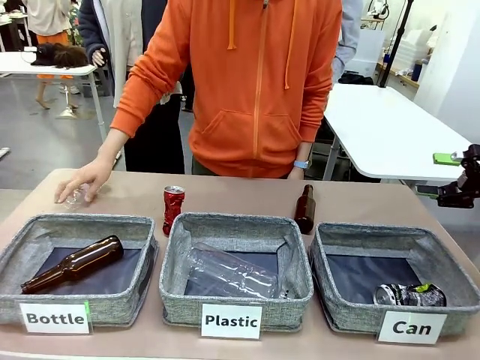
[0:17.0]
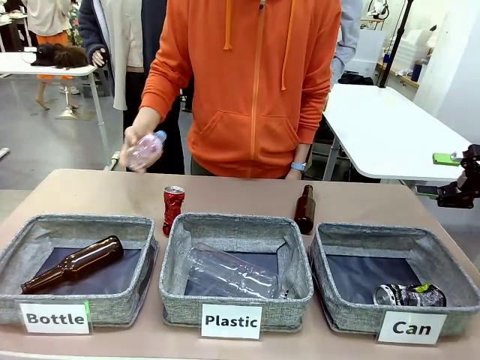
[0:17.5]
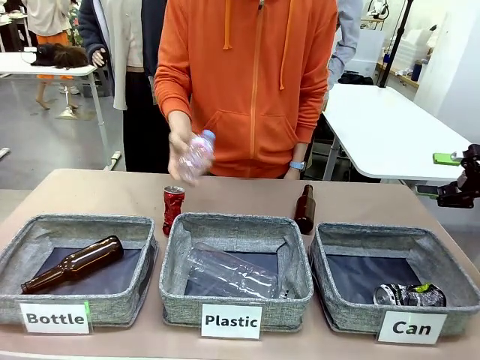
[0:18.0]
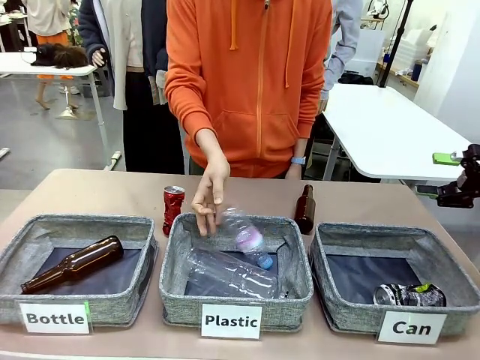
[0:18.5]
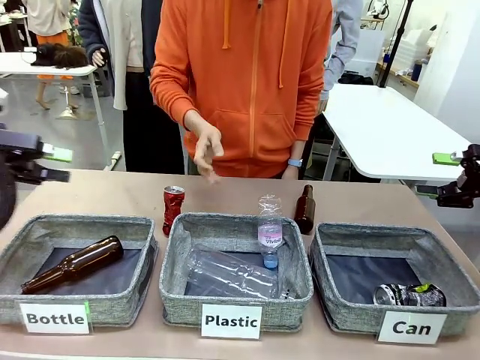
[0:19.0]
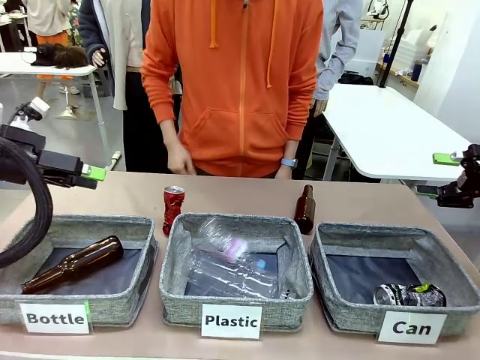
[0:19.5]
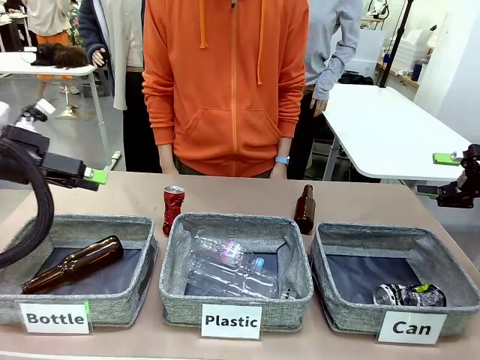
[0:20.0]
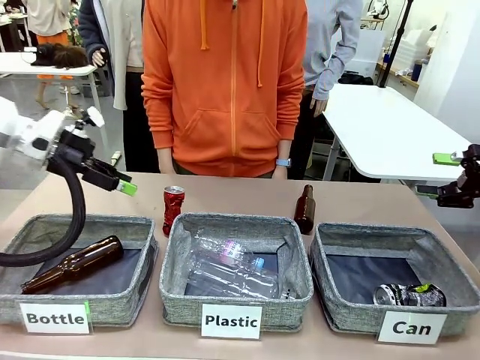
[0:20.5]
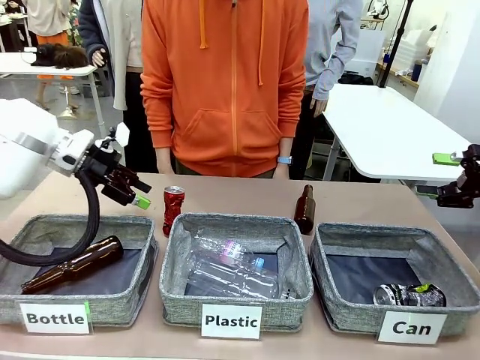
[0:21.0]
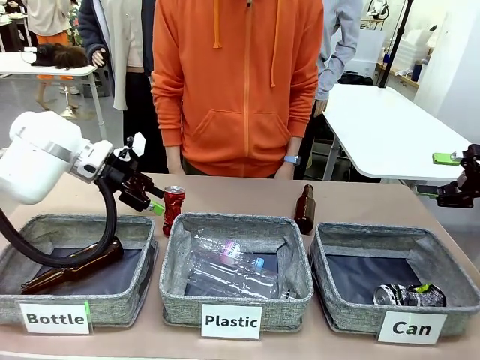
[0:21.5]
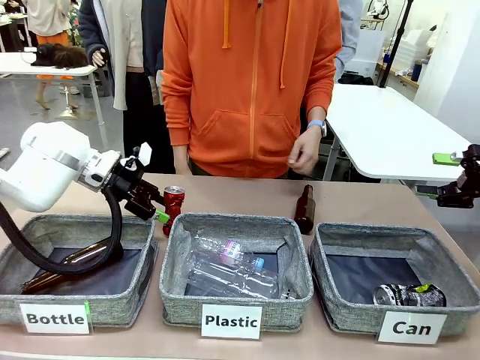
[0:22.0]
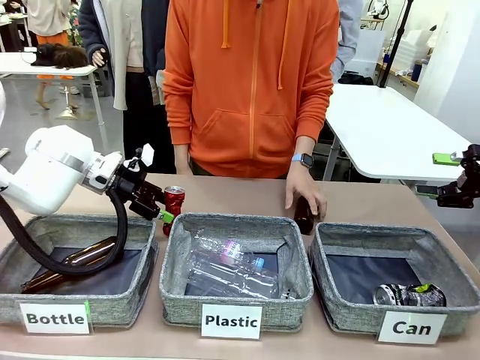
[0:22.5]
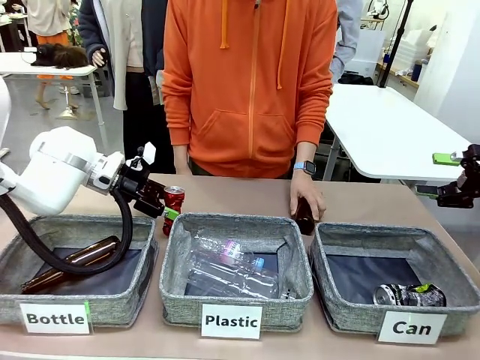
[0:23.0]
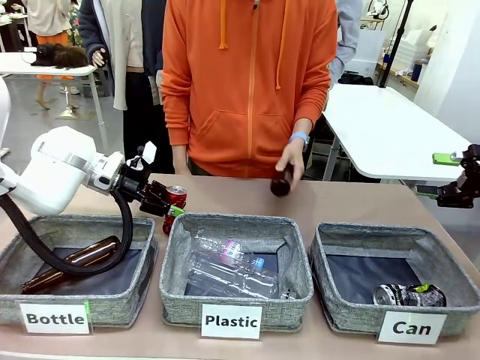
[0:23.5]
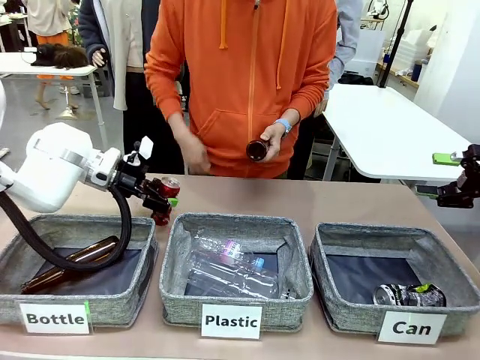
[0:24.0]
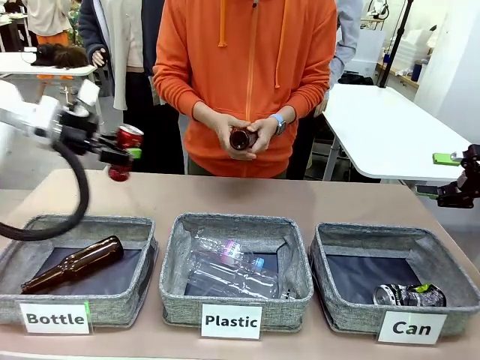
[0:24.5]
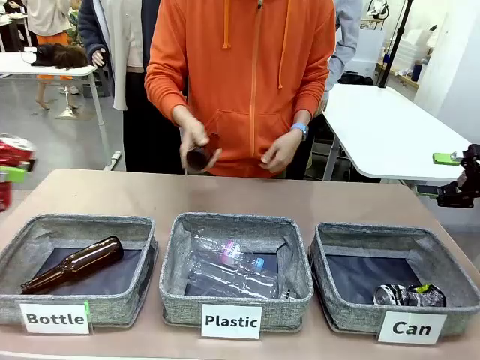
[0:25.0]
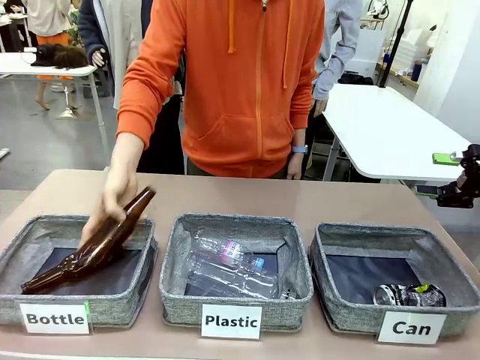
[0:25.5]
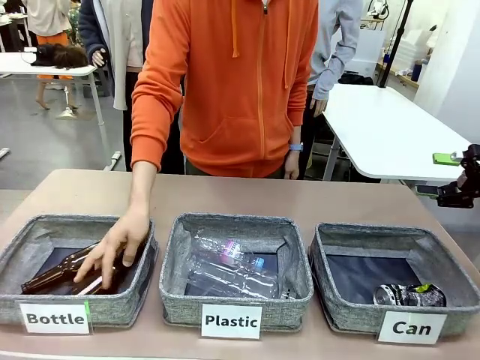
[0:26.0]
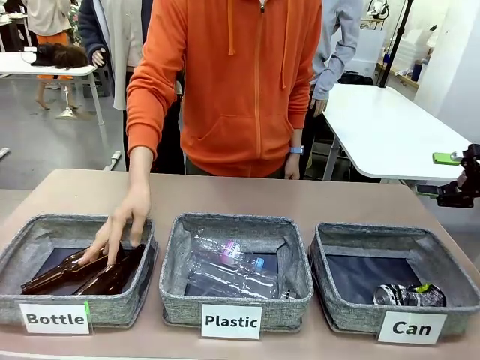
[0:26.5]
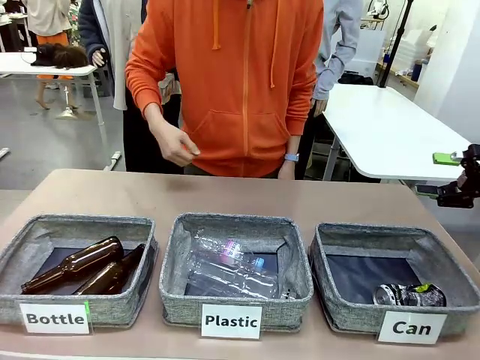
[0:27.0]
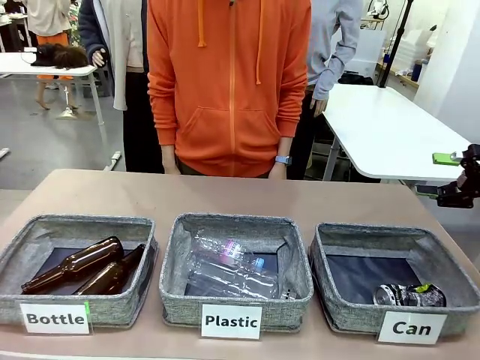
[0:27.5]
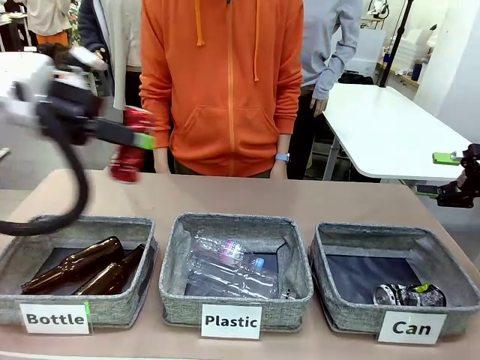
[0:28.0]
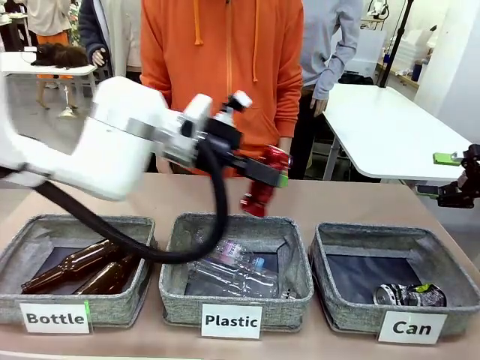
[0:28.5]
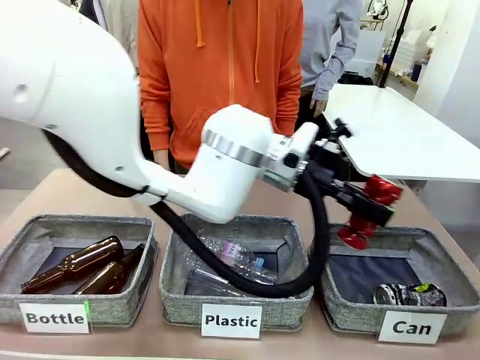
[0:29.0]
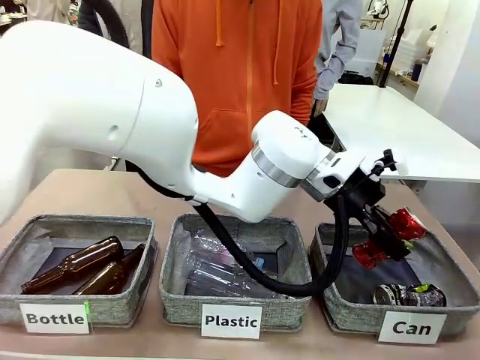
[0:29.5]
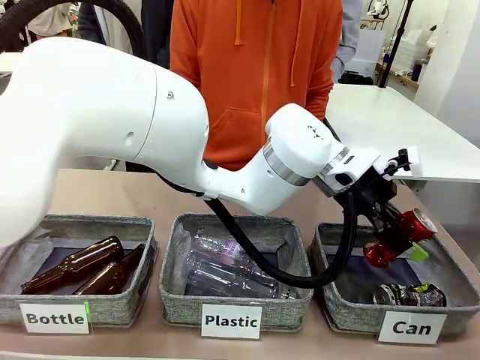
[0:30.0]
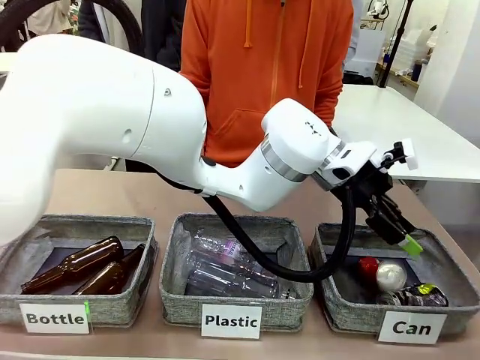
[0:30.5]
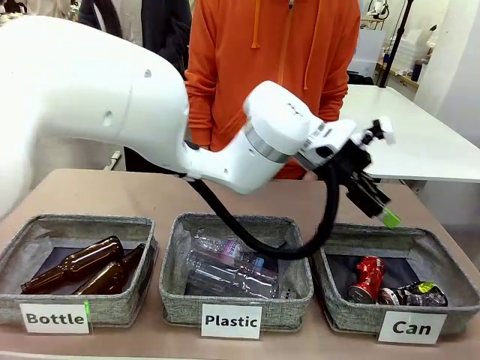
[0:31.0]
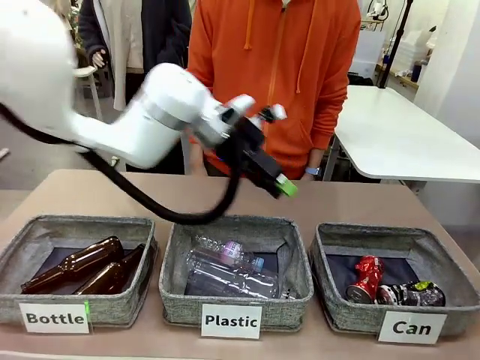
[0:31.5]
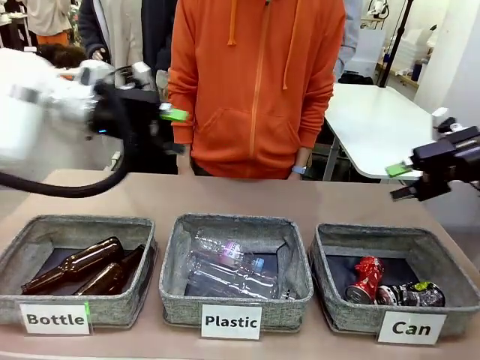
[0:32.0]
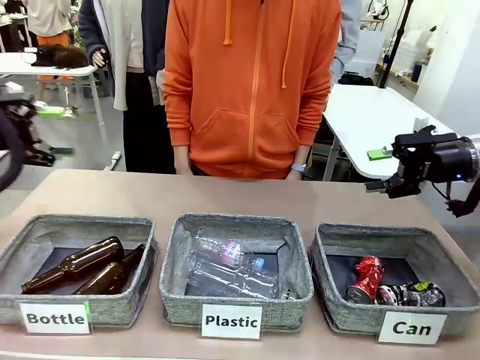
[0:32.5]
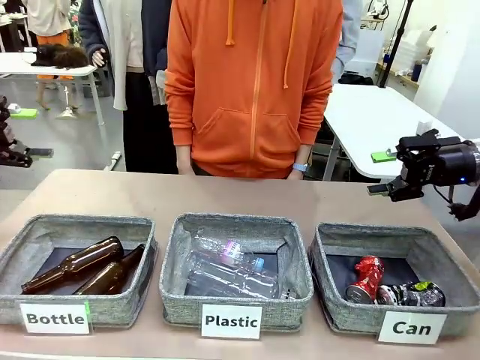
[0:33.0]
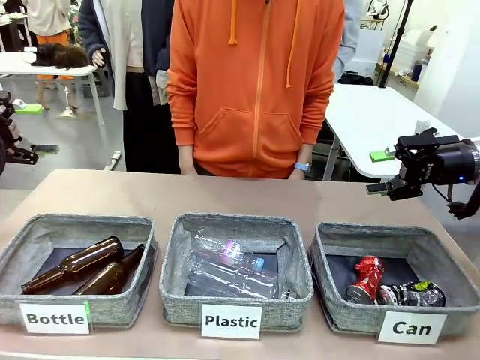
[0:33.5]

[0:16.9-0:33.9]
Task: Sort the can waste into the basket.
Robot: Pick up the can waste from the table and place it in the right Fabric basket.
Person: The human picks up one piece of trash that is not a can and places the trash into the appropriate organizing basket.

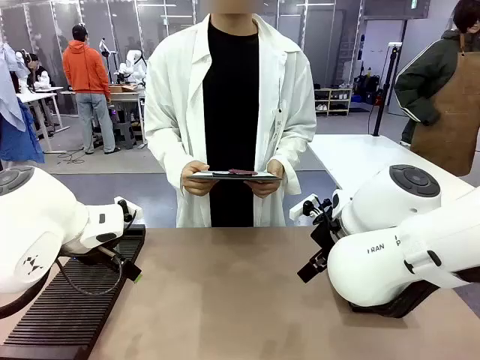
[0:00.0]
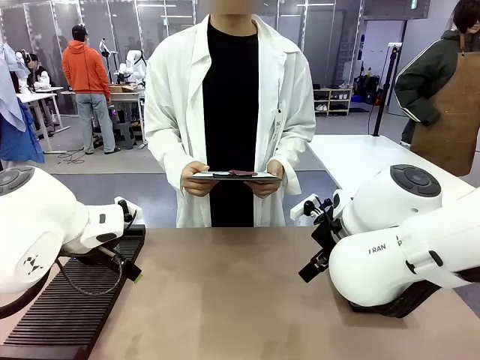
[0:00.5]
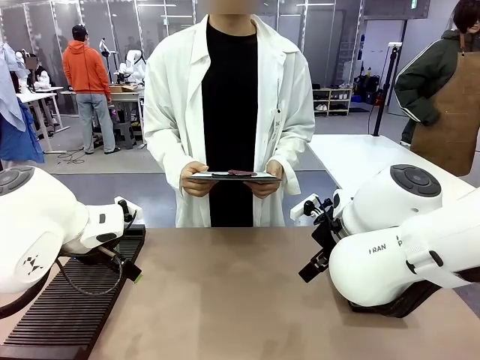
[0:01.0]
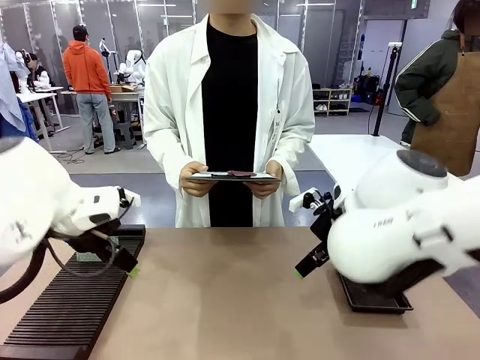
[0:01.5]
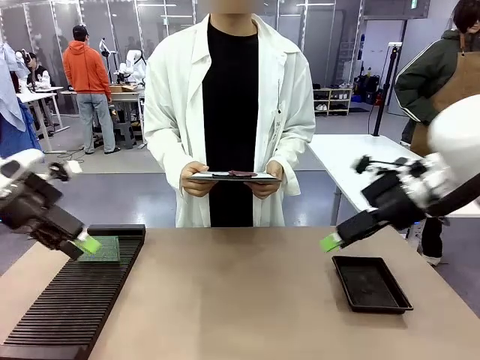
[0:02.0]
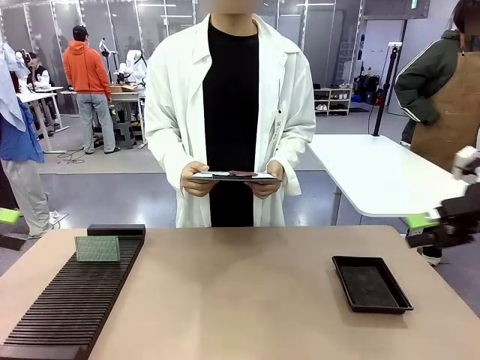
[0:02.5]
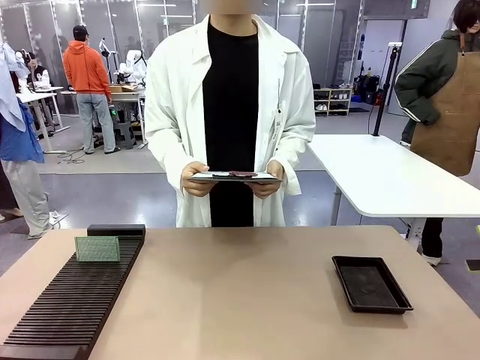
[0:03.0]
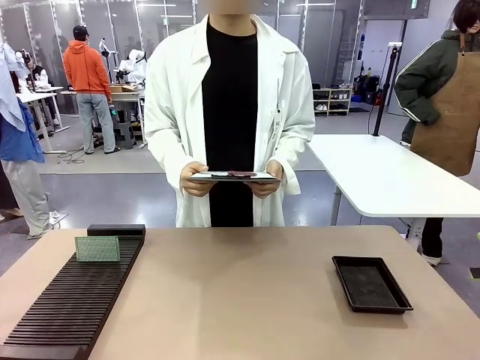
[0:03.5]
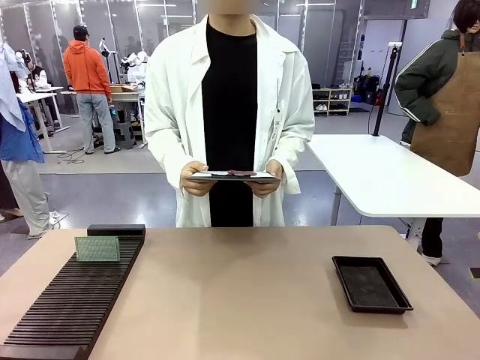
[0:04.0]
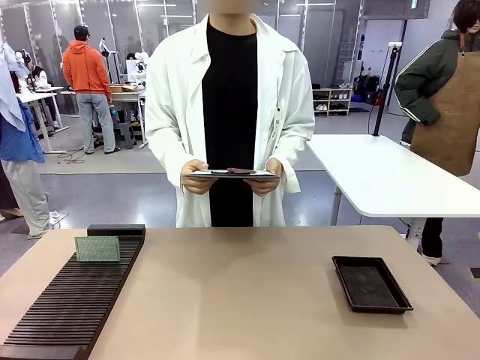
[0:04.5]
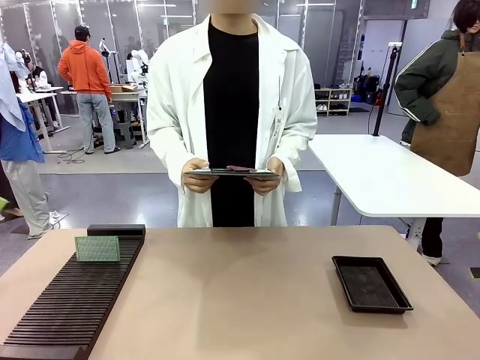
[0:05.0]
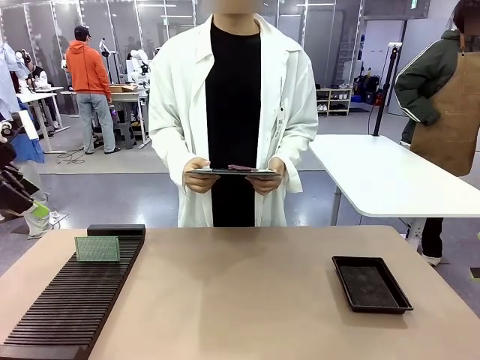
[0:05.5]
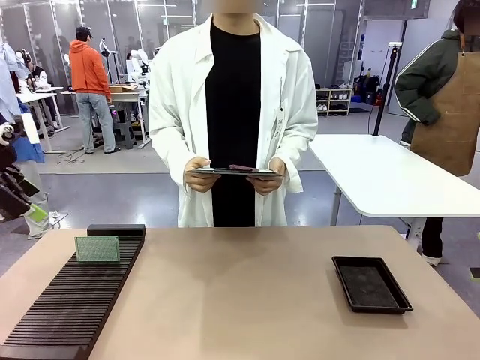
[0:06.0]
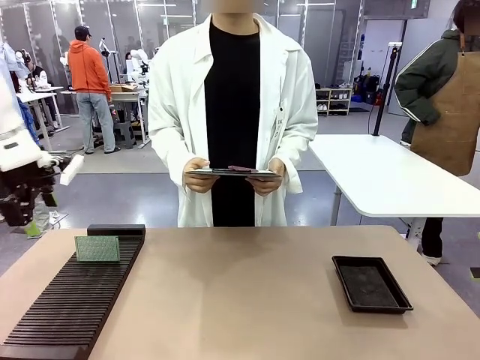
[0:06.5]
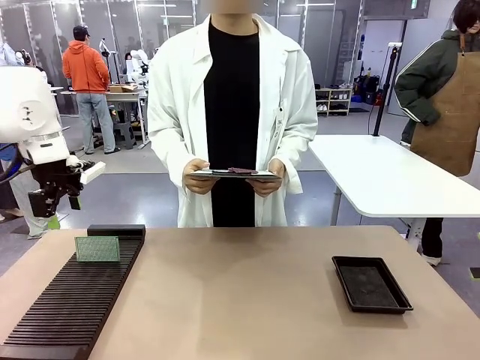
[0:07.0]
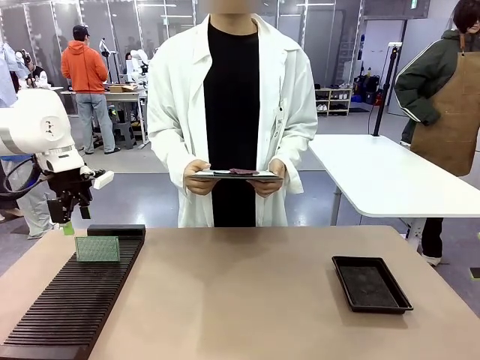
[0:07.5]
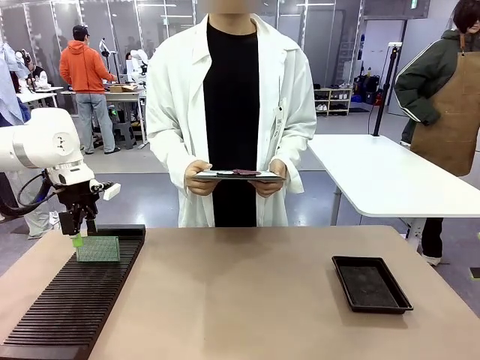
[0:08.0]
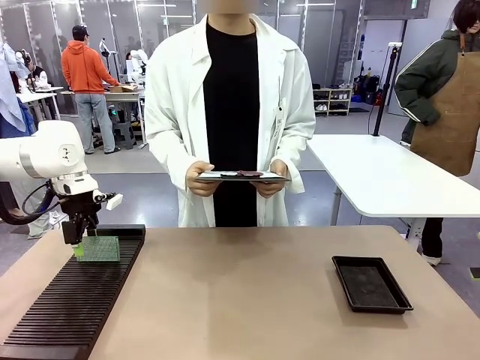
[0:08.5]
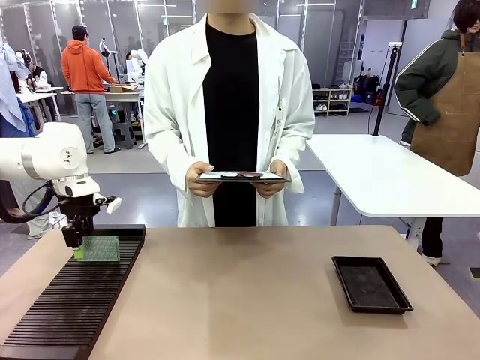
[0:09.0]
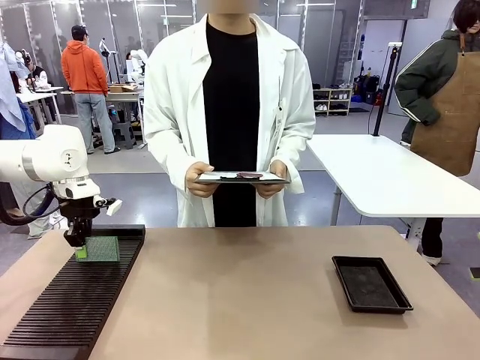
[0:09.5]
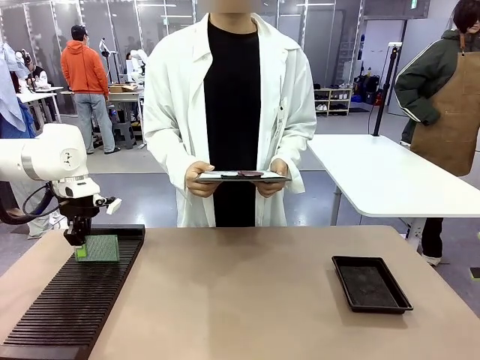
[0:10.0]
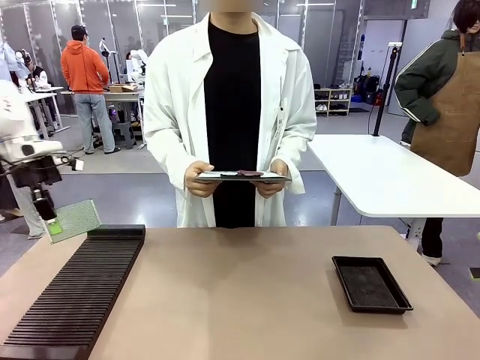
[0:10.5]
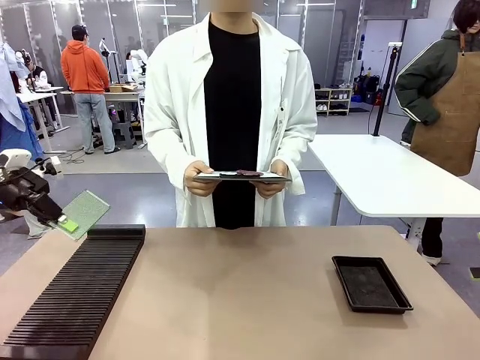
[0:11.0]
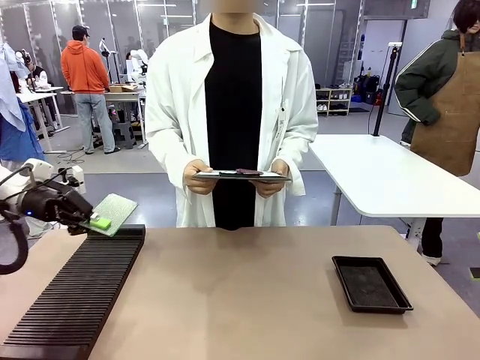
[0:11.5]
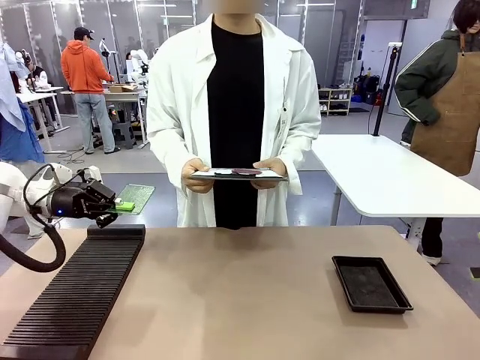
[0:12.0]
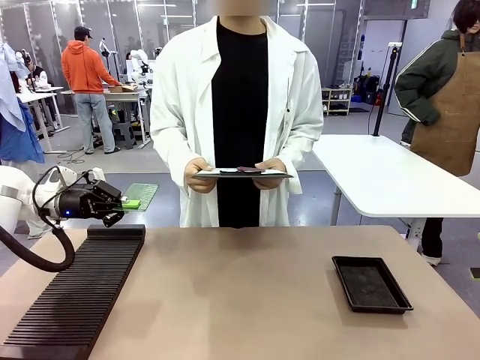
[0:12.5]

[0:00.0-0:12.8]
Task: Inspect the PCB.
Robot: Pick up the Blank PCB and present it to the human.
Person: Pick up the PCB presented by the robot.
